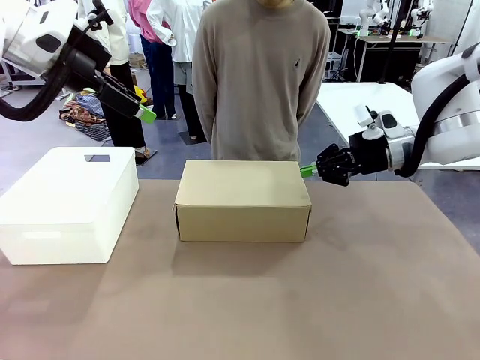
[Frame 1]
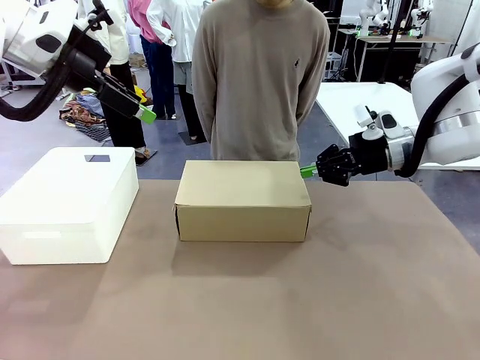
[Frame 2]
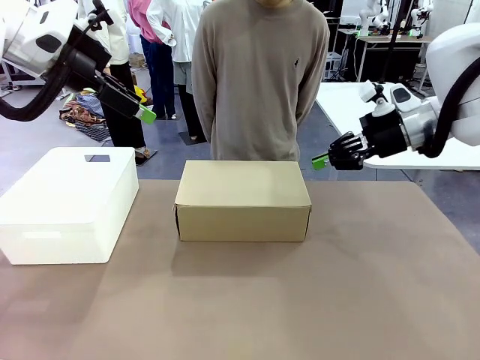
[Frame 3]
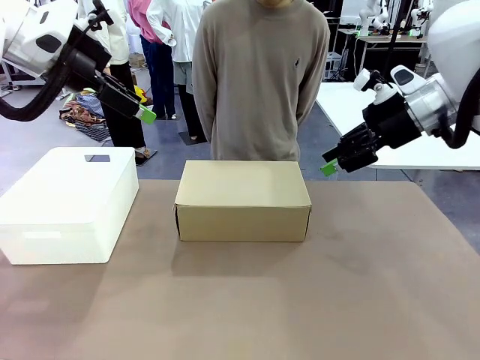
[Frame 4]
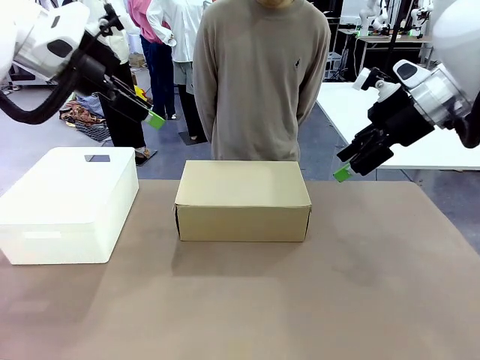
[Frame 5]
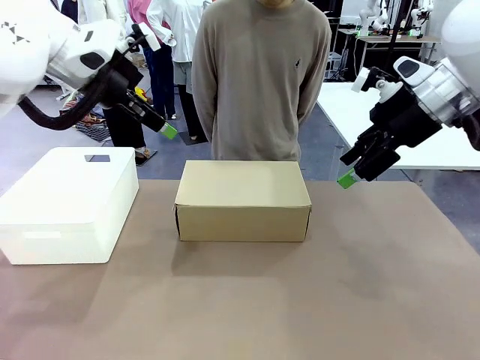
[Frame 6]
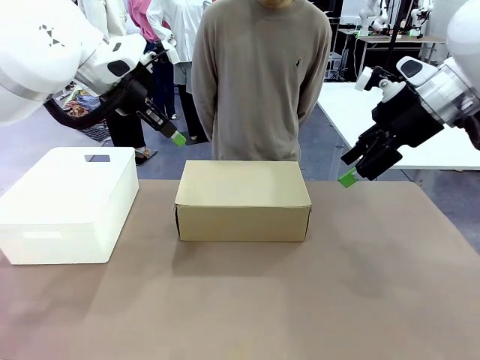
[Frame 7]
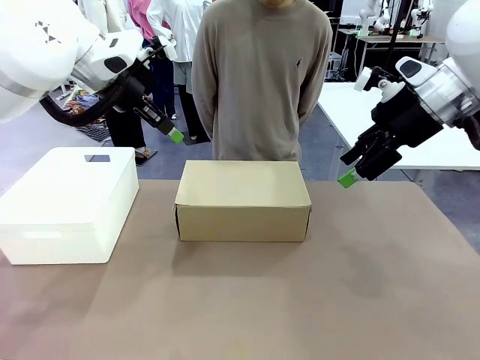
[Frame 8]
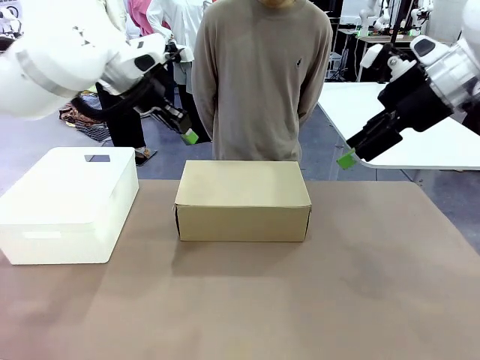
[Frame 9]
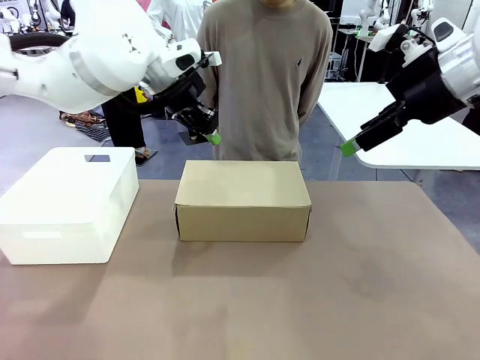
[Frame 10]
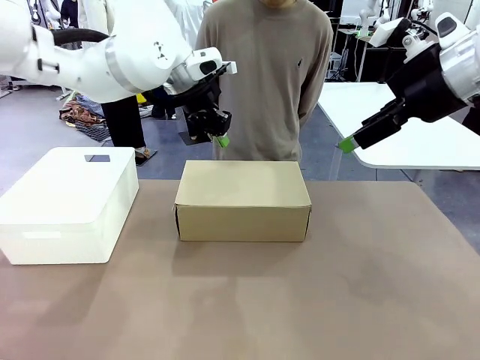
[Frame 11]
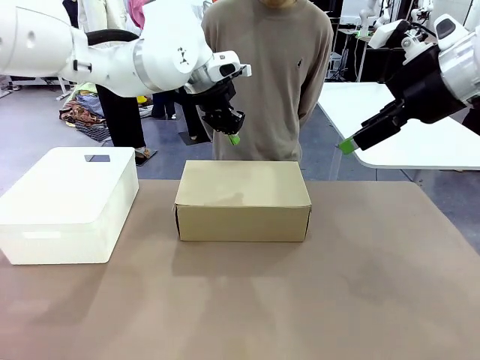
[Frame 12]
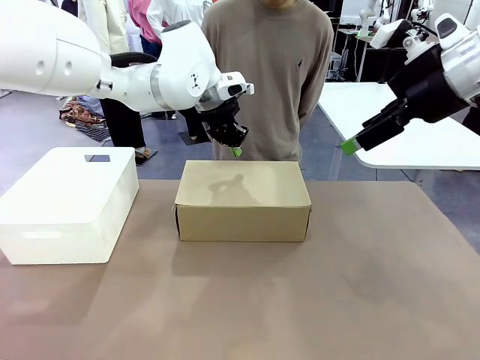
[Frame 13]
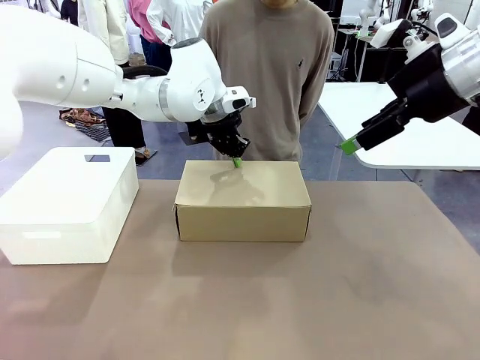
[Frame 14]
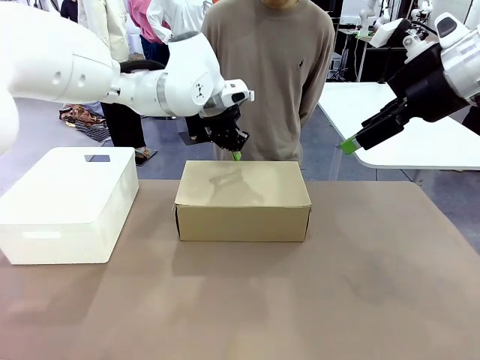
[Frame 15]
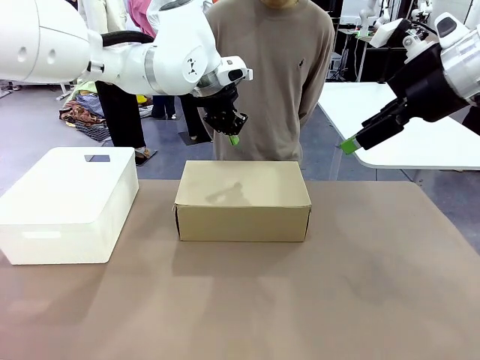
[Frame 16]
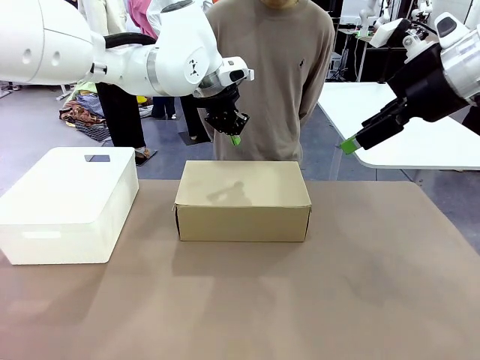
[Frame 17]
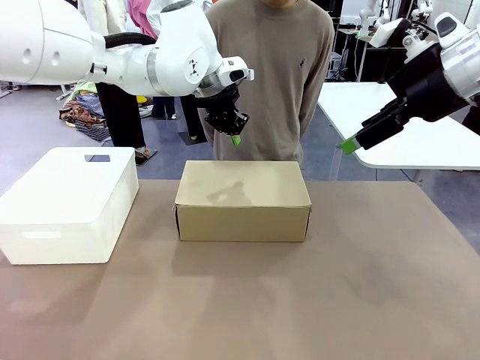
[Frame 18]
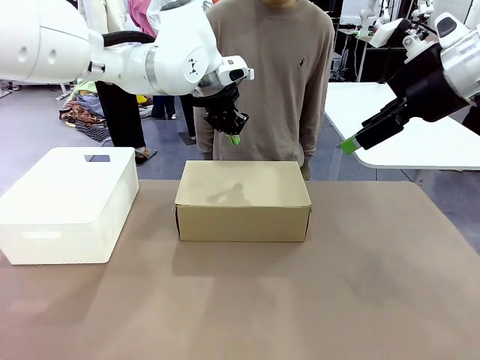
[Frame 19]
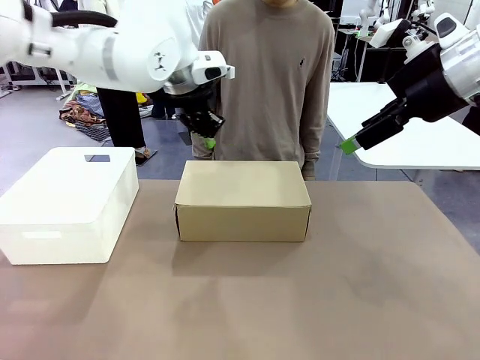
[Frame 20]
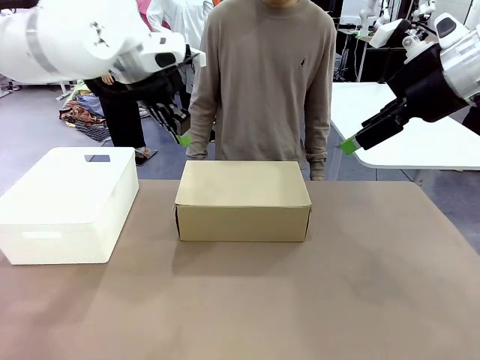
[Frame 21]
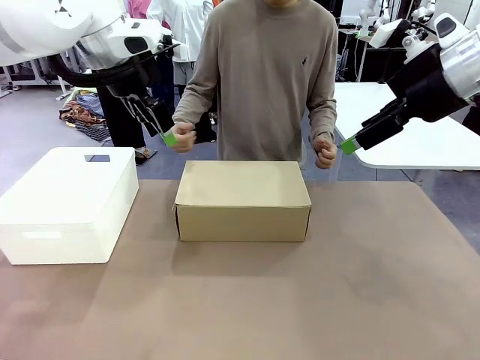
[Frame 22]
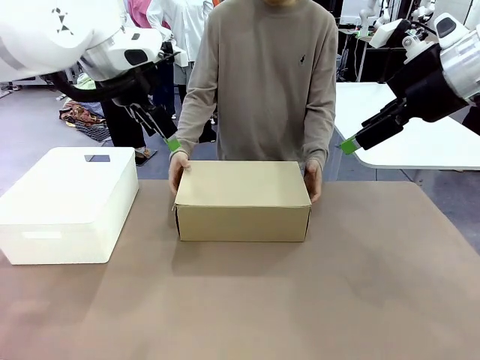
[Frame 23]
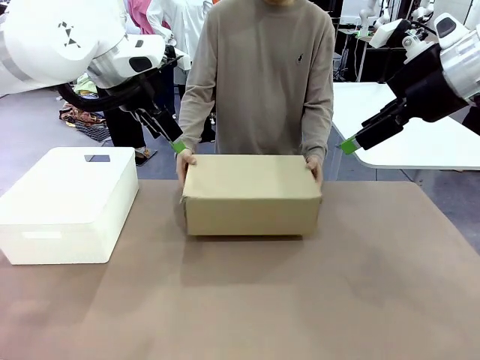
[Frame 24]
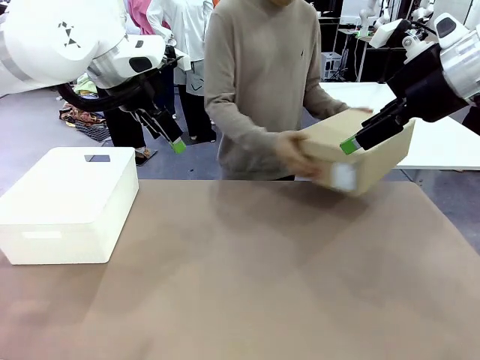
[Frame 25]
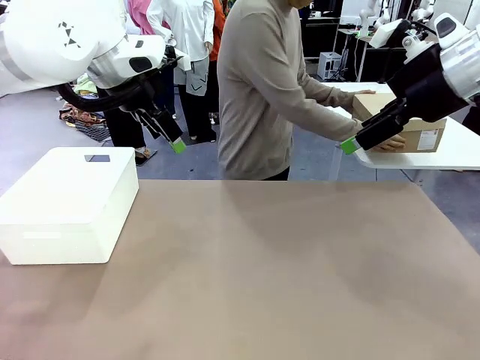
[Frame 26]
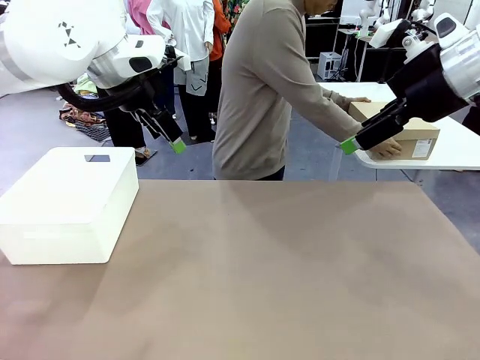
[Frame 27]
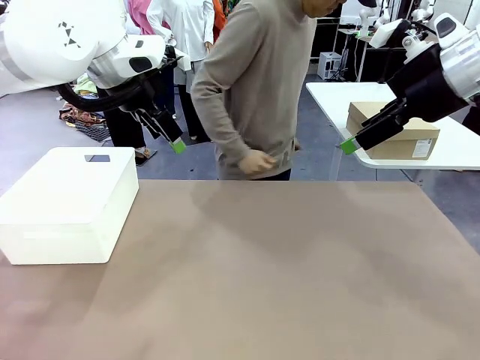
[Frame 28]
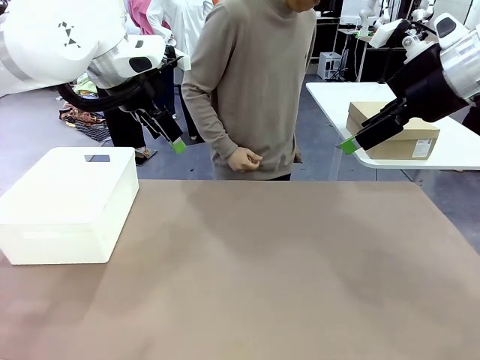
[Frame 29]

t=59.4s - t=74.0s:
Task: Pack the shoes into the box.
Robot: Press down on the lid of the Shoes Box.
Person: Place the closed Shoes Box to the right side of the human table.

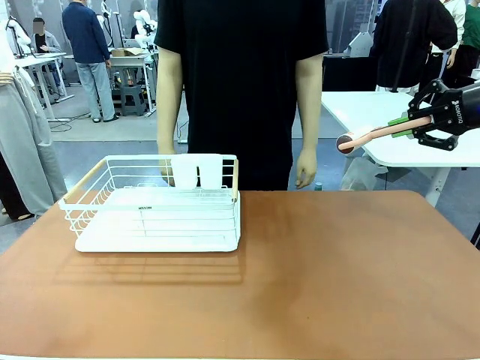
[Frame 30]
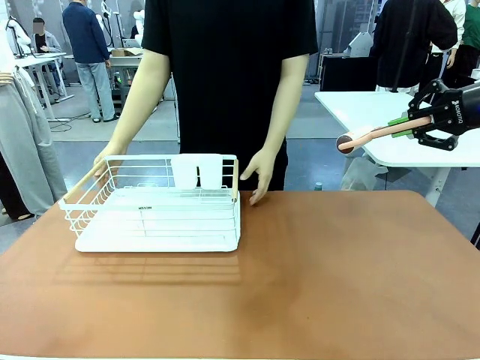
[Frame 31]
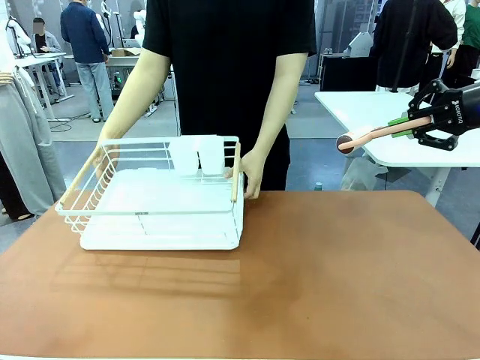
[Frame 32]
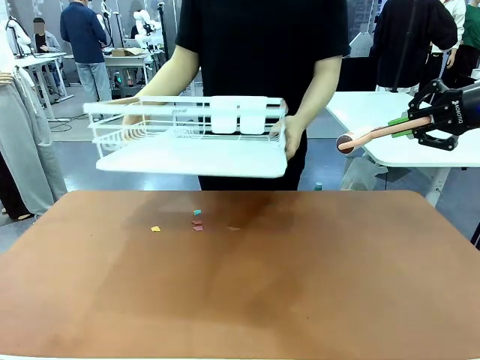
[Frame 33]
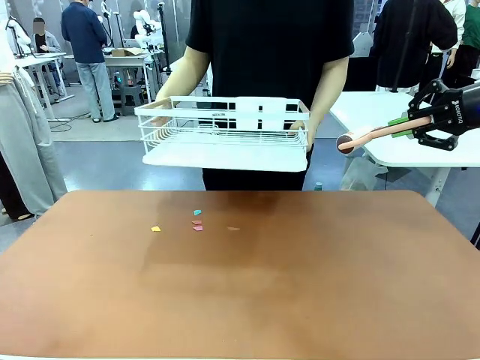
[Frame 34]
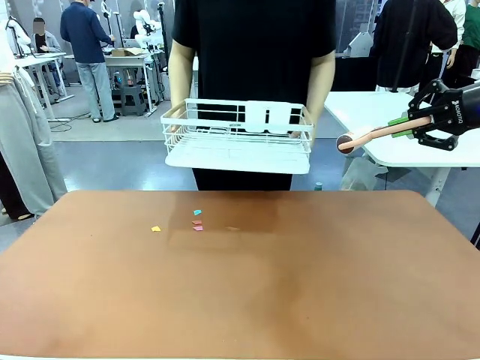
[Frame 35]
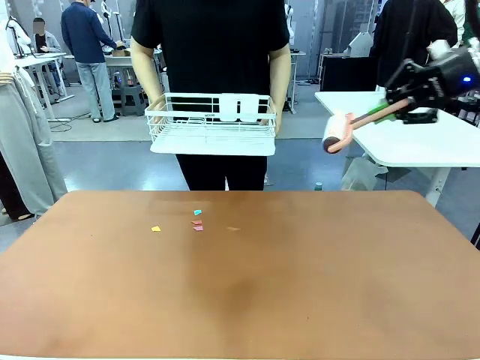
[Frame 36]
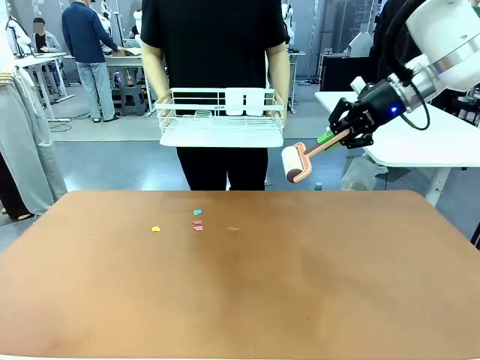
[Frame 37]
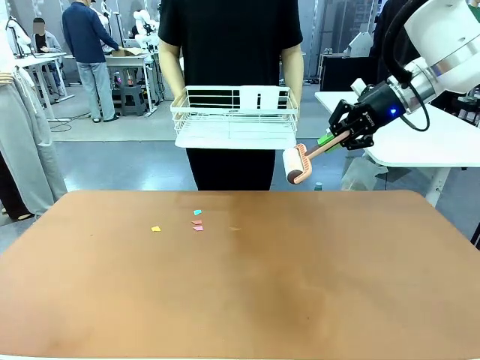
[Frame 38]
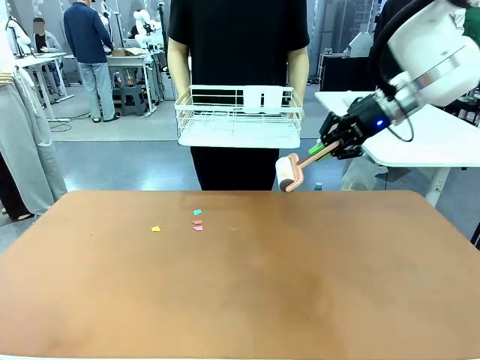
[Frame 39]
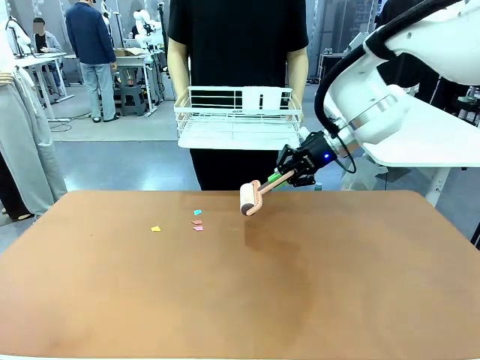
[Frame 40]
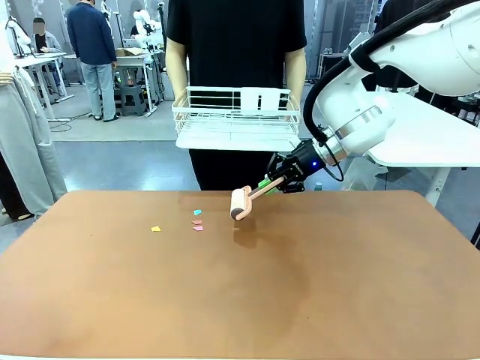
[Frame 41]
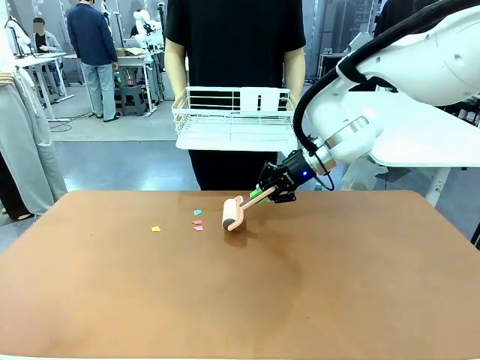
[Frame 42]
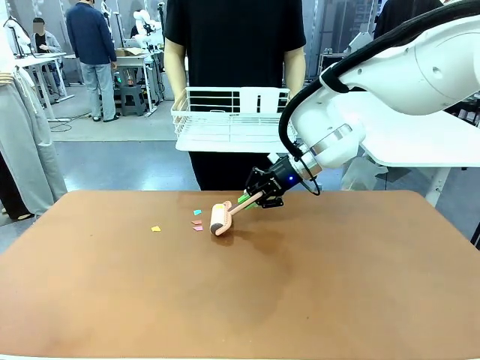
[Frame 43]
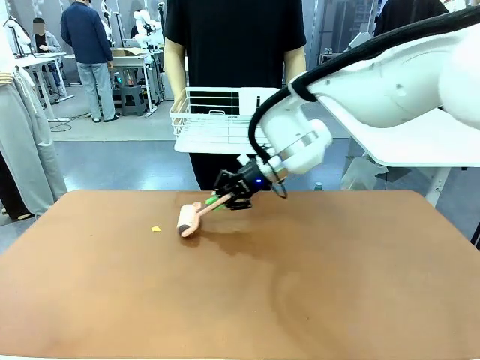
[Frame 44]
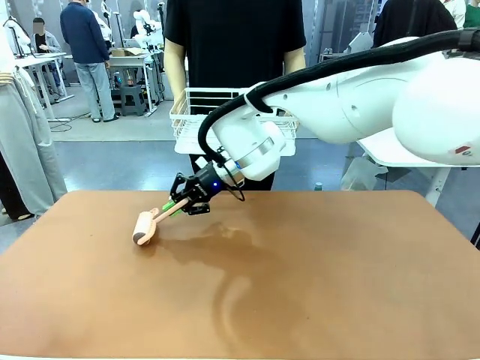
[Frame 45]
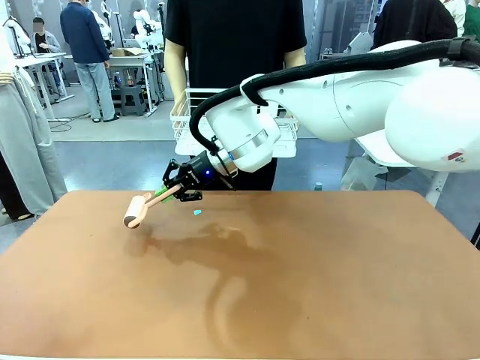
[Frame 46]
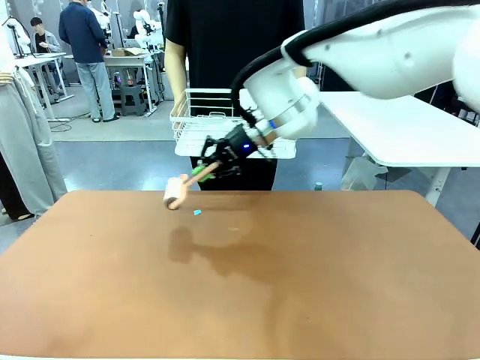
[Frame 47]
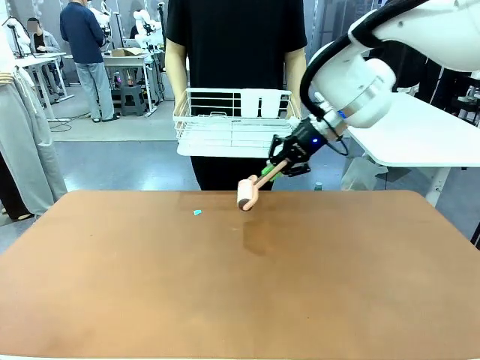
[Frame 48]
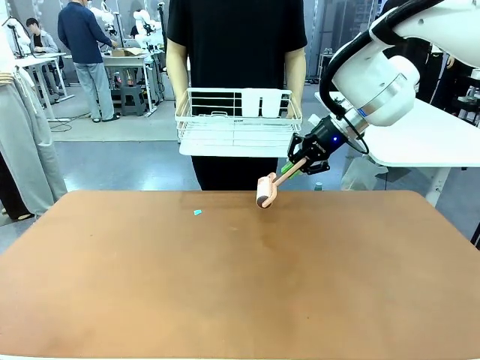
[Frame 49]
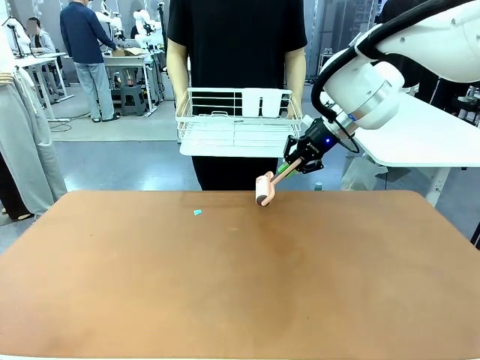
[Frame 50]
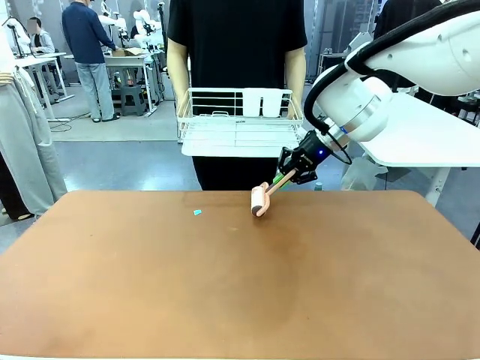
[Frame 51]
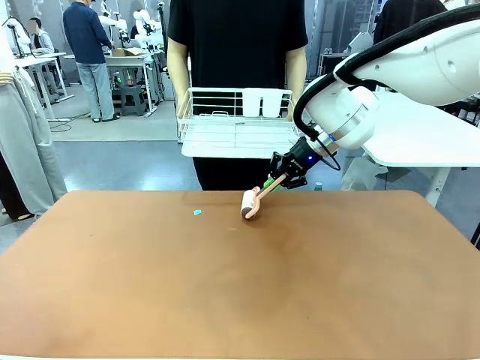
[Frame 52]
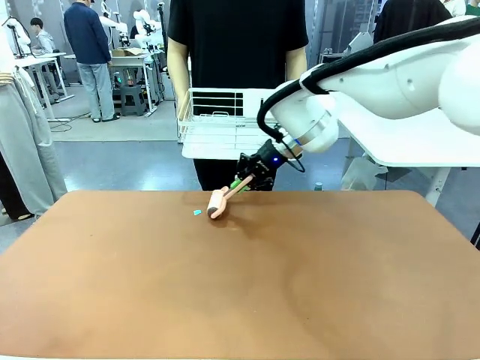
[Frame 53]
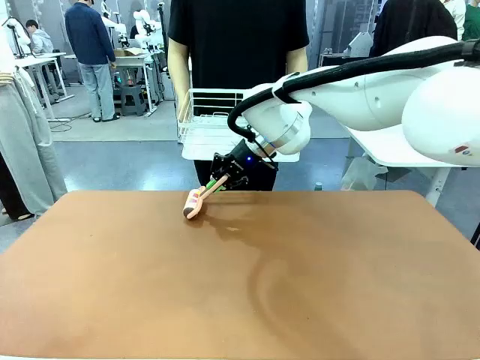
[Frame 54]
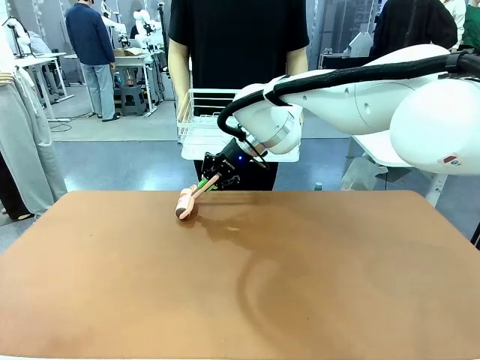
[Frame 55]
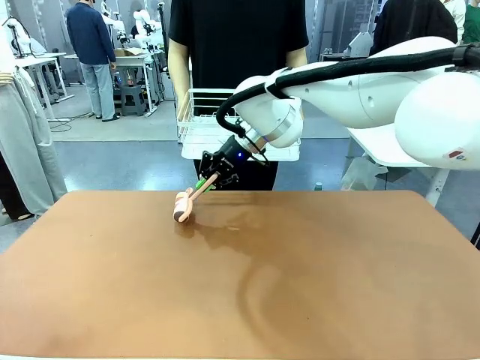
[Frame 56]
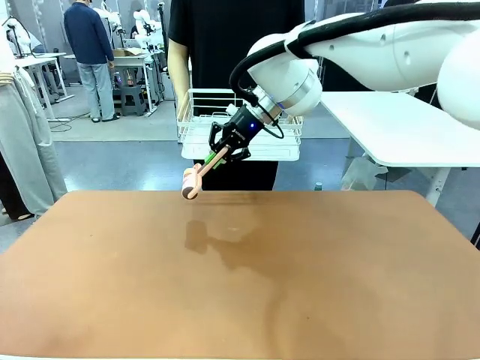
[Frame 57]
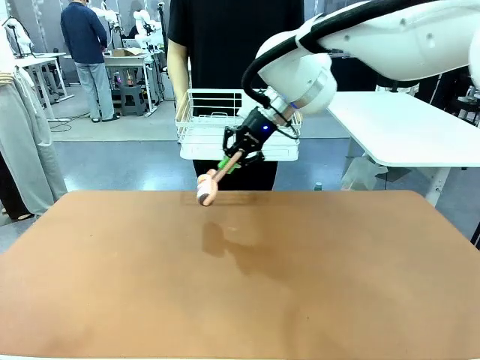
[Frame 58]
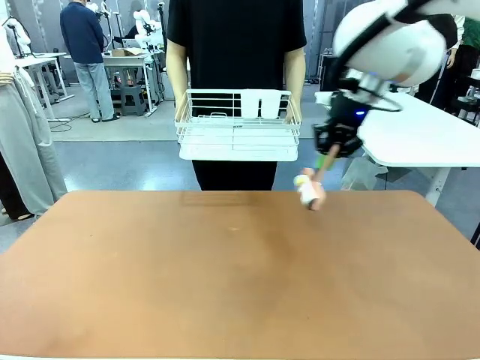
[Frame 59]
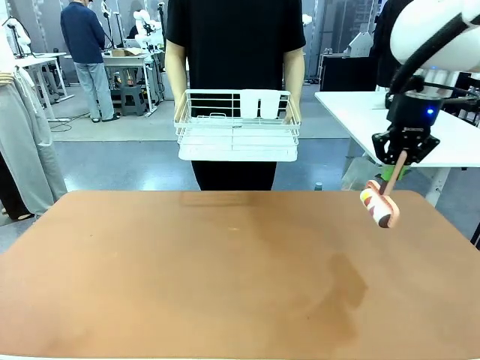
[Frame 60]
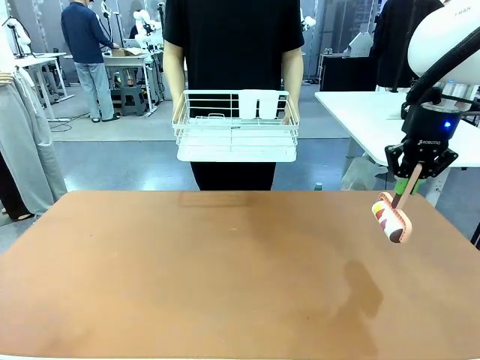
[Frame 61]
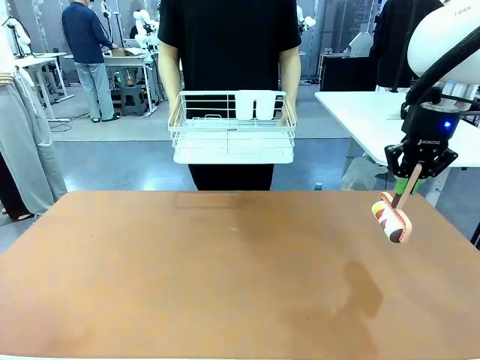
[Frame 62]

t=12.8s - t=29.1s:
Task: Clean the table.
Robot: Clean the table with the Lint Roller when the human lifts the Dish drying rack.
Person: Place the Dish drying rack down when the robot finishes cleaning.
